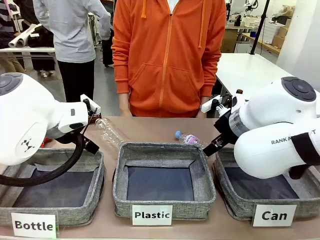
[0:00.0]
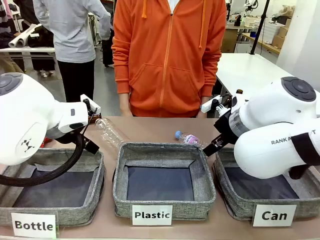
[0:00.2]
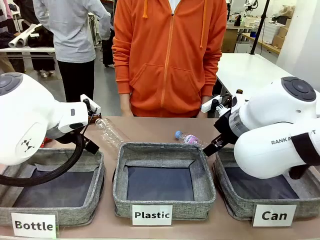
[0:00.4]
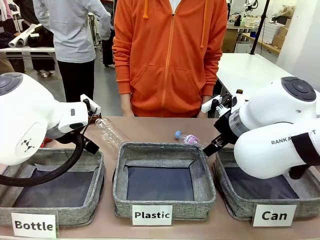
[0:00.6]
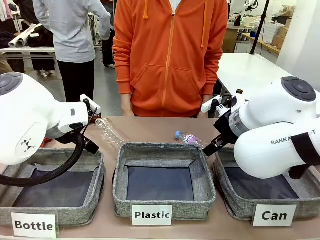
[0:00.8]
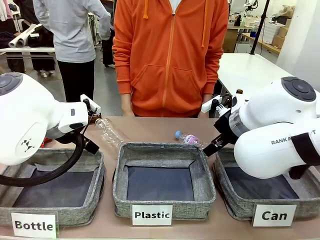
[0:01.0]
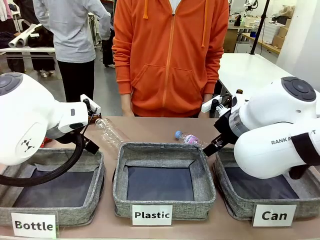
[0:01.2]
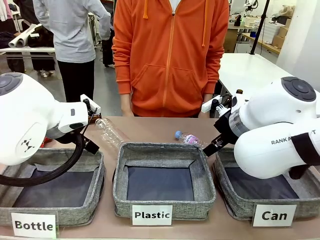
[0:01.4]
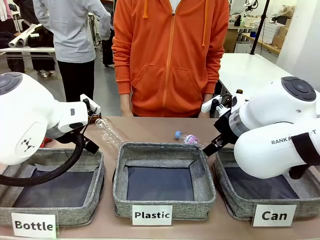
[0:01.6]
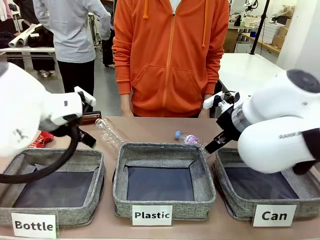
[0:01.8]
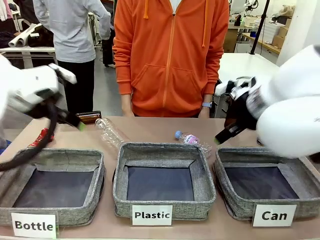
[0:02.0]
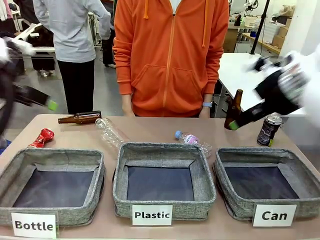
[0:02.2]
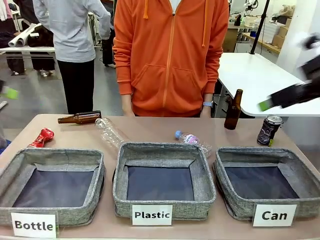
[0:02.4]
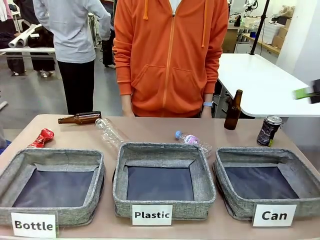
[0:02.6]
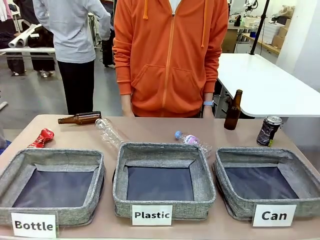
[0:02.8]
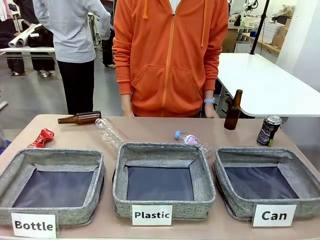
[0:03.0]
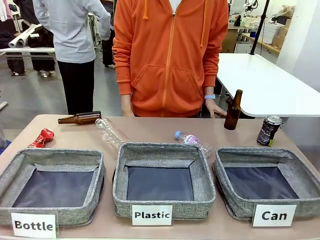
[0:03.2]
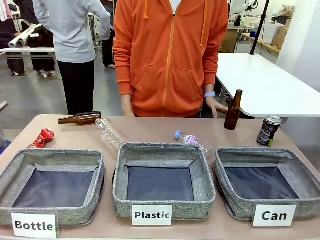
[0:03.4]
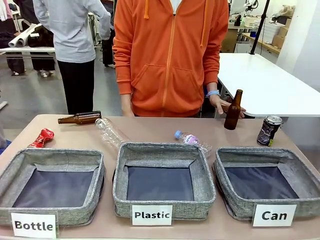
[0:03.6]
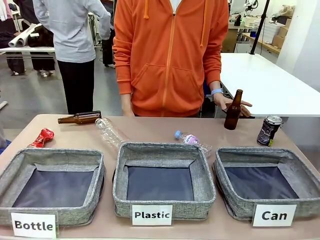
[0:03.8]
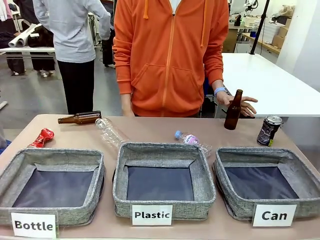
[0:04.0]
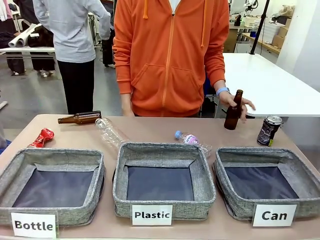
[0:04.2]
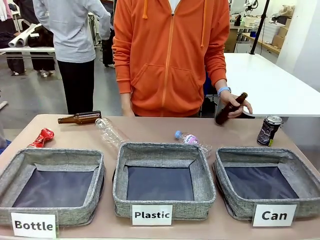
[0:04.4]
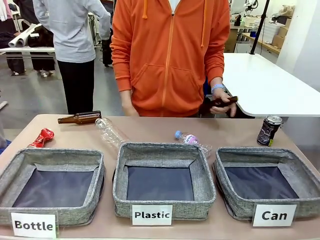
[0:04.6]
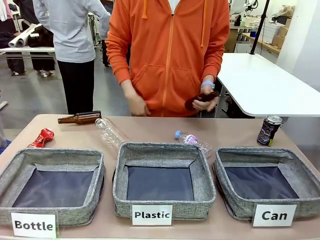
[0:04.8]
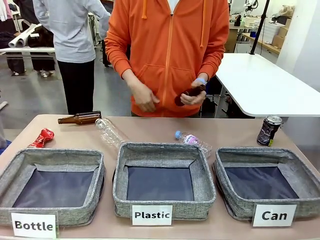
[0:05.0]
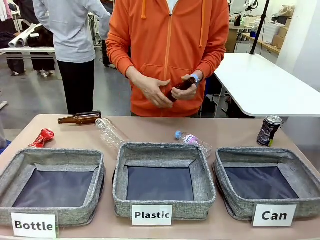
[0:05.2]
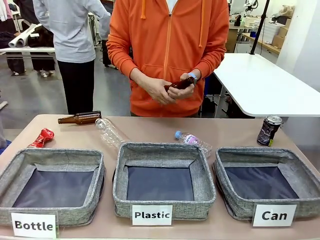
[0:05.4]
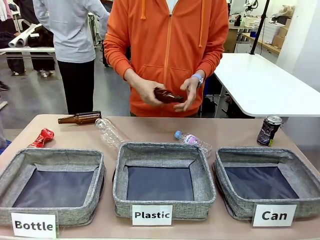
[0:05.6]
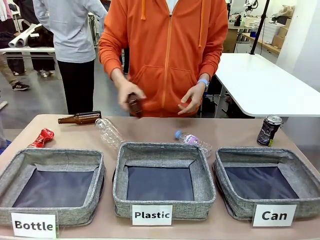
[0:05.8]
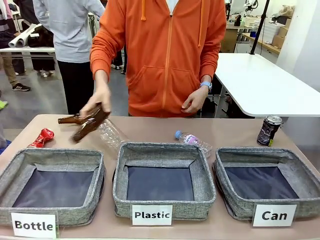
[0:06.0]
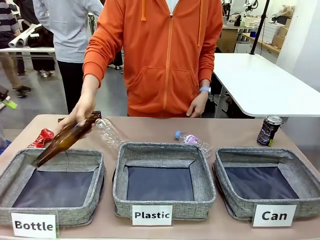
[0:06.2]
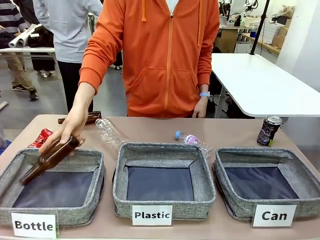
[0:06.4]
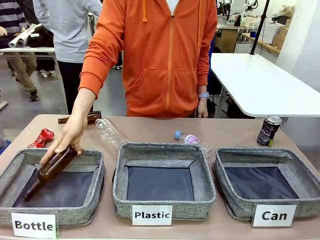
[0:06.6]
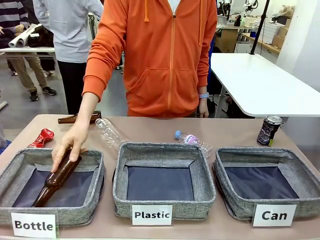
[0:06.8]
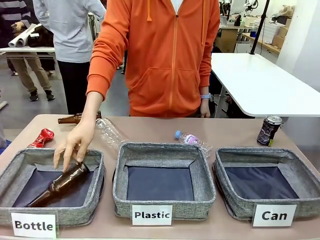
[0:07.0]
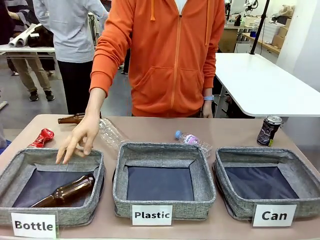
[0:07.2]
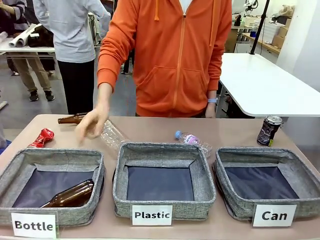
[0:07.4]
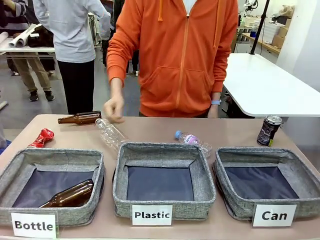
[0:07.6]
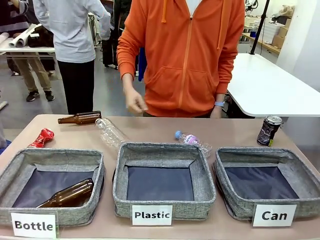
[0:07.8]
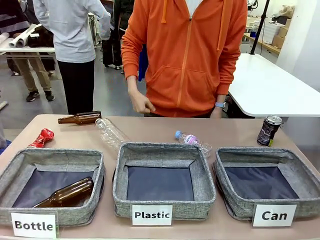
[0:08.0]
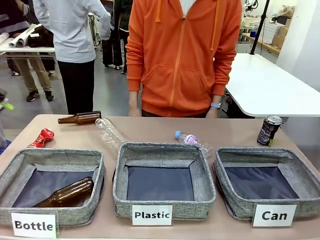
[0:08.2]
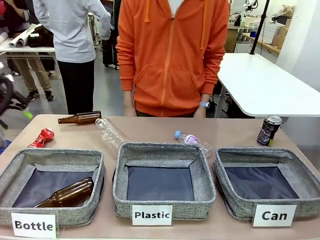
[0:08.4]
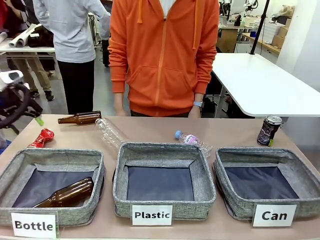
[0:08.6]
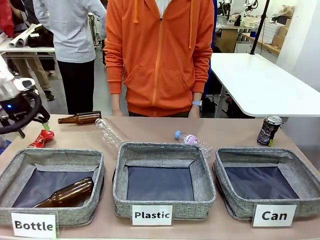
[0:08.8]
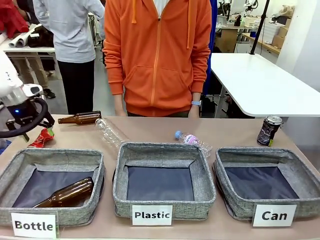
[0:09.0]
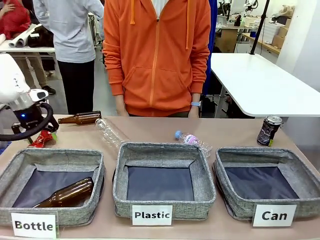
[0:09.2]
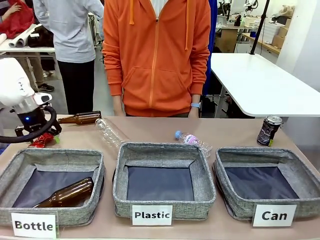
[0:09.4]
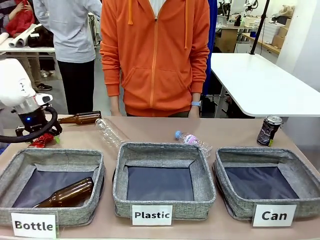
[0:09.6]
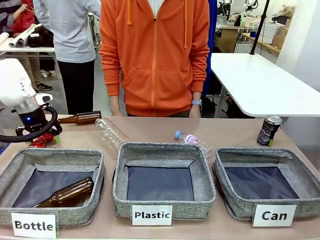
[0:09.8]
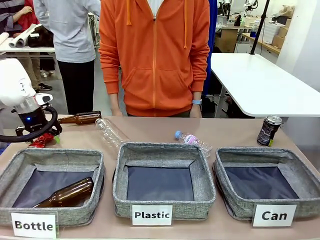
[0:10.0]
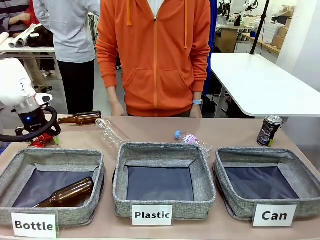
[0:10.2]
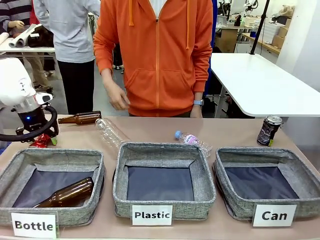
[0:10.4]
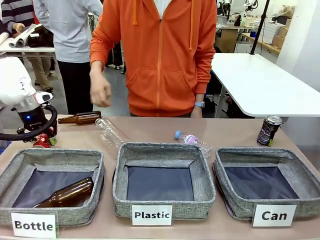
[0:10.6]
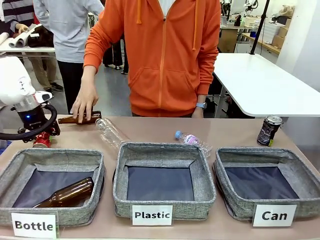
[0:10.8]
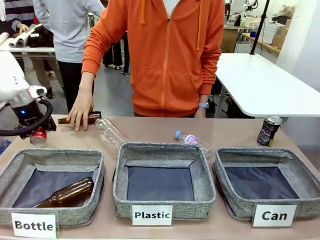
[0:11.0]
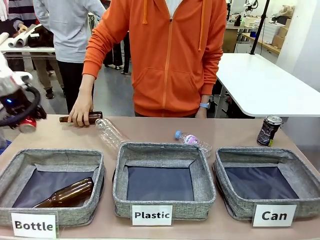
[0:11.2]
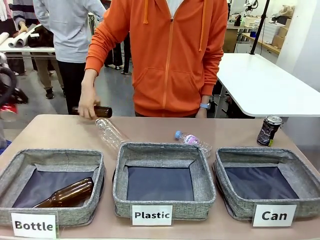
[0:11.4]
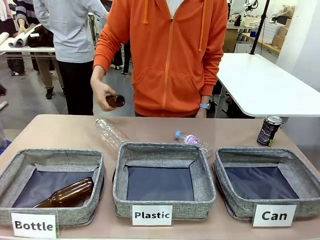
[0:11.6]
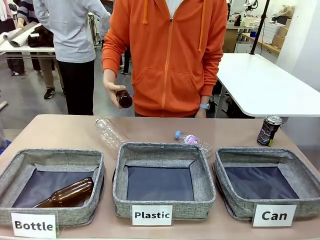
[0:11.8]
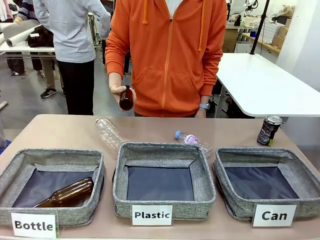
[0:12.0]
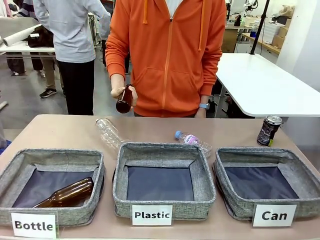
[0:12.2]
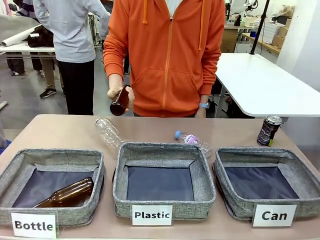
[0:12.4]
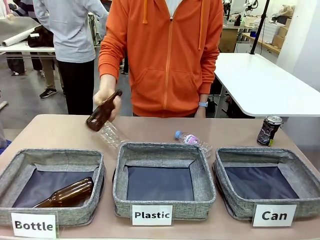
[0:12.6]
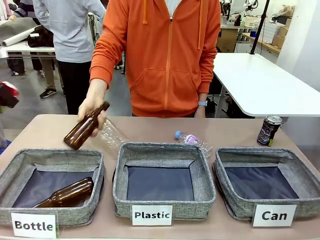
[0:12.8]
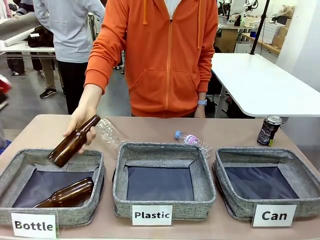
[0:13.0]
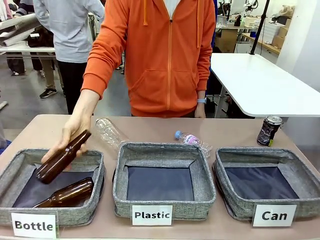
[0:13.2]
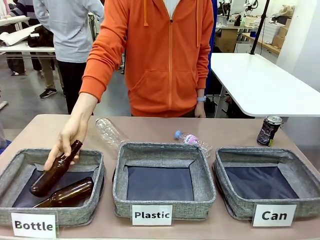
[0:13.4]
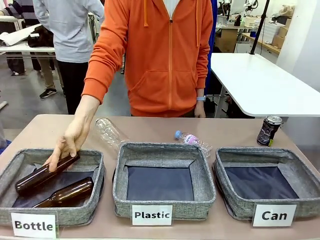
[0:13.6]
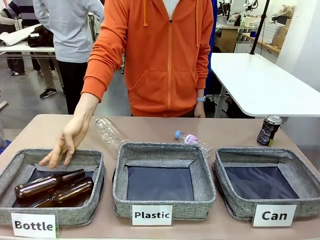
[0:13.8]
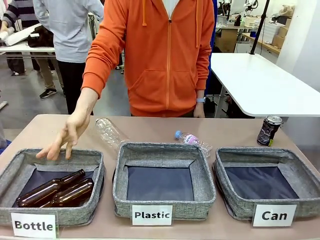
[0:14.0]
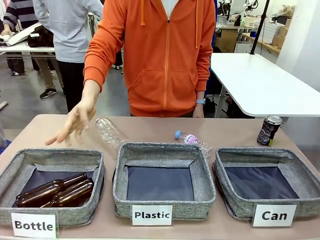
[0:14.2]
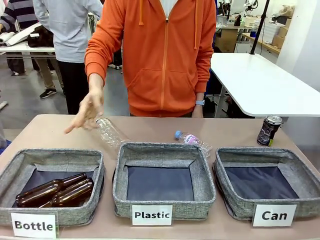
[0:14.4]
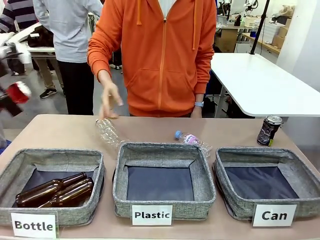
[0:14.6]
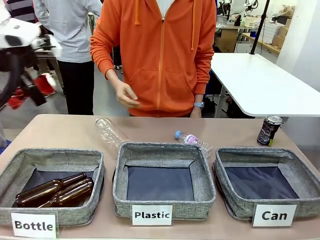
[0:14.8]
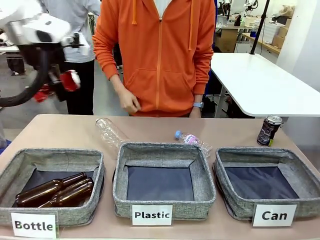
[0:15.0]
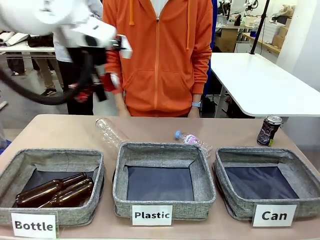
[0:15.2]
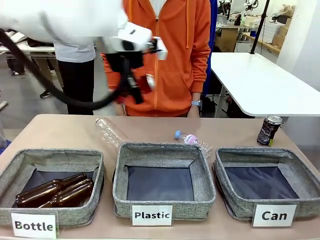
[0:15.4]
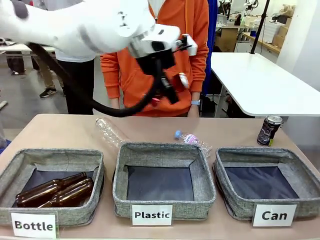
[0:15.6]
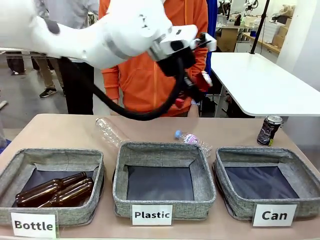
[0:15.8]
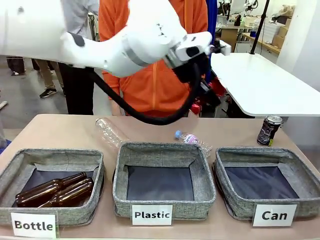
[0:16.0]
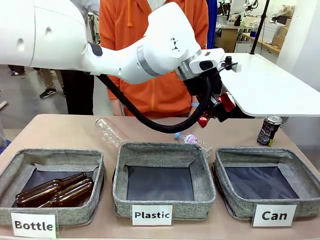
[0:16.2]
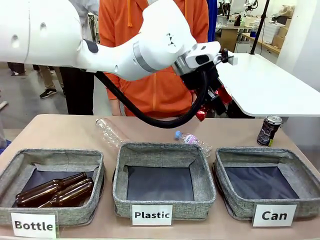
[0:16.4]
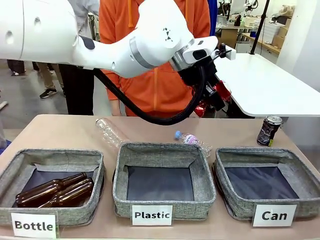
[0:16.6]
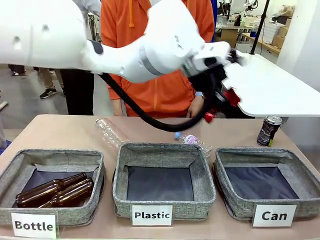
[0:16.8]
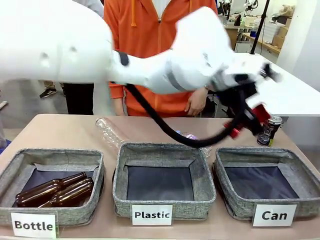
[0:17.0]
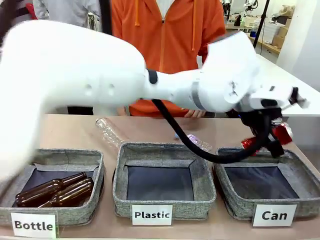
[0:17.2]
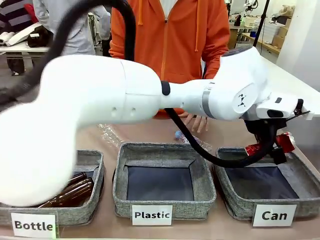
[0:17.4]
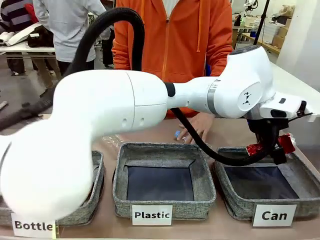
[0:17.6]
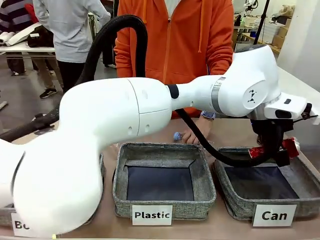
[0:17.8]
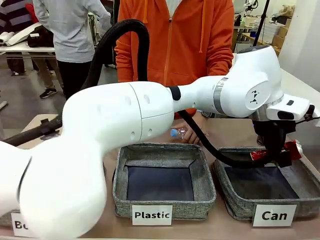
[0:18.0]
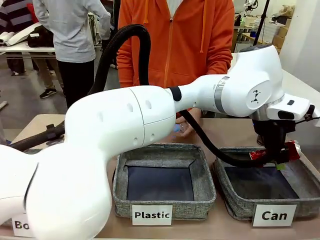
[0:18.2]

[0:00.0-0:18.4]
Task: Sort the can waste into the basket.
Robot: Pick up the can waste from the table and place it in the right Fabric basket.
